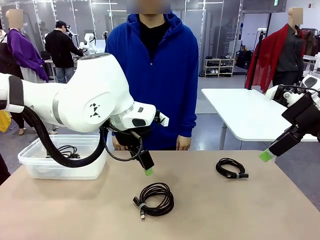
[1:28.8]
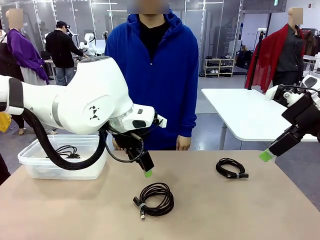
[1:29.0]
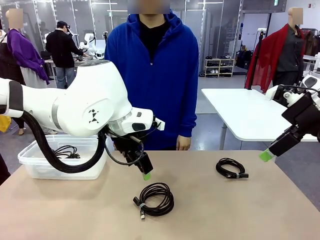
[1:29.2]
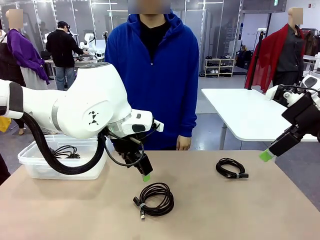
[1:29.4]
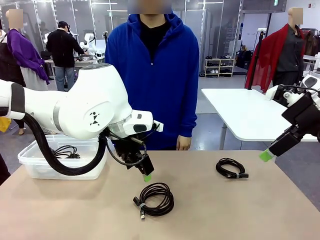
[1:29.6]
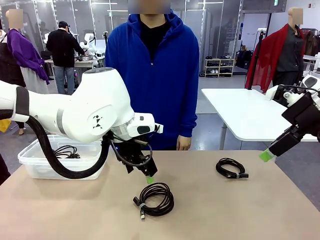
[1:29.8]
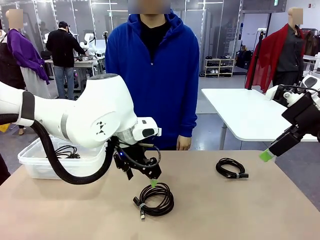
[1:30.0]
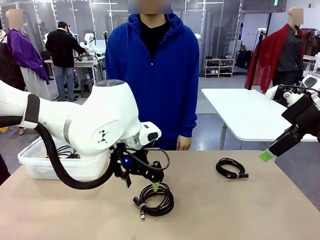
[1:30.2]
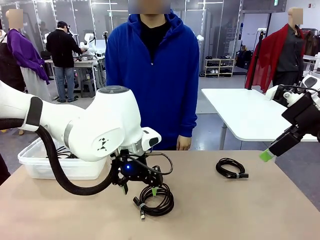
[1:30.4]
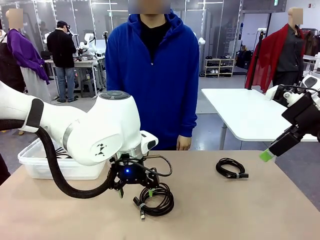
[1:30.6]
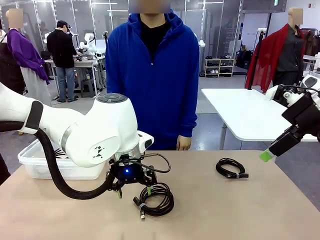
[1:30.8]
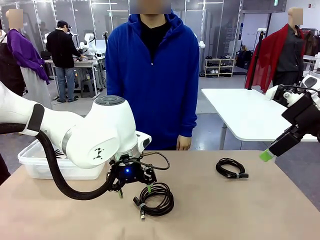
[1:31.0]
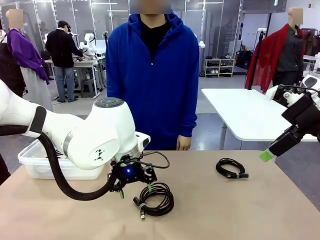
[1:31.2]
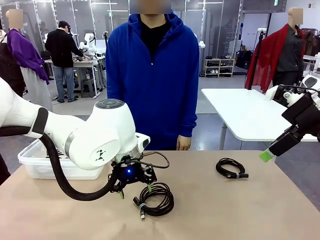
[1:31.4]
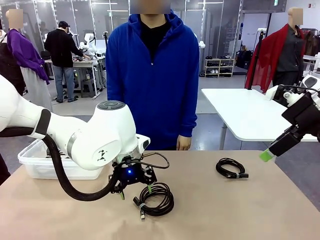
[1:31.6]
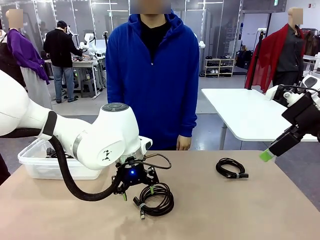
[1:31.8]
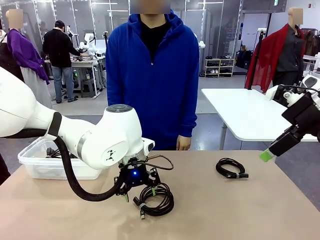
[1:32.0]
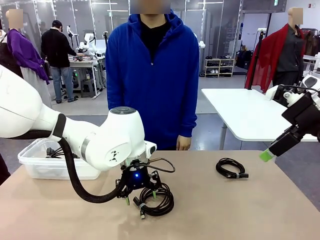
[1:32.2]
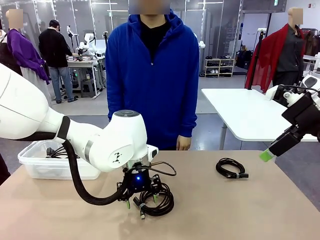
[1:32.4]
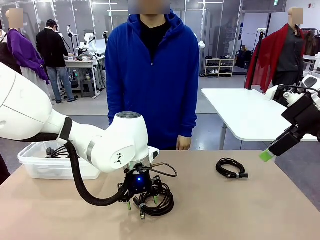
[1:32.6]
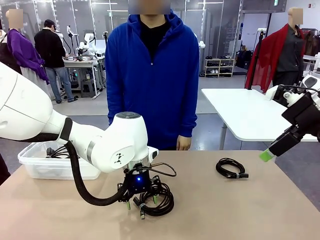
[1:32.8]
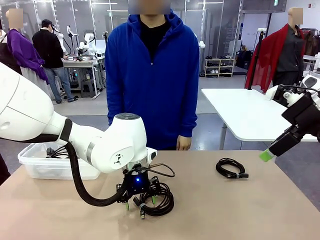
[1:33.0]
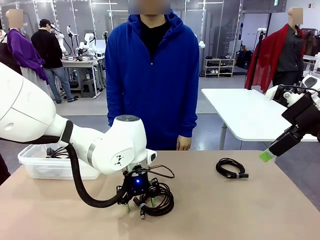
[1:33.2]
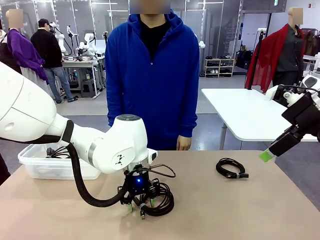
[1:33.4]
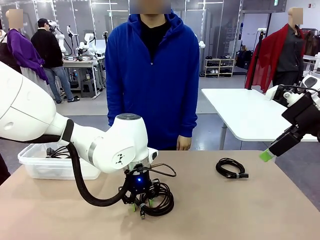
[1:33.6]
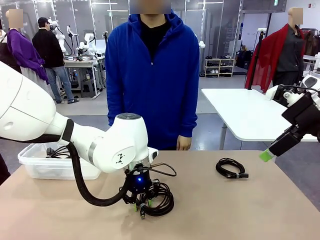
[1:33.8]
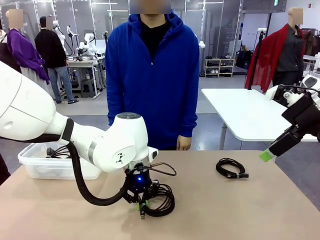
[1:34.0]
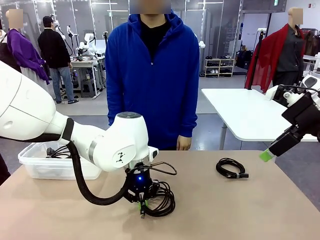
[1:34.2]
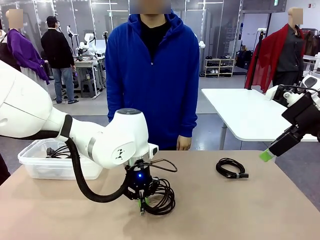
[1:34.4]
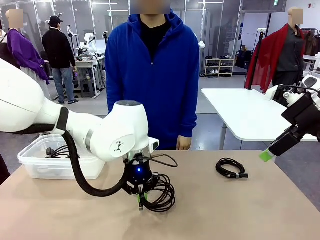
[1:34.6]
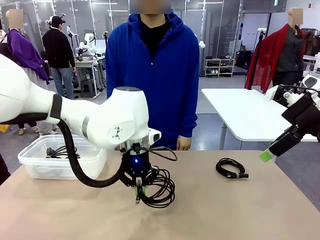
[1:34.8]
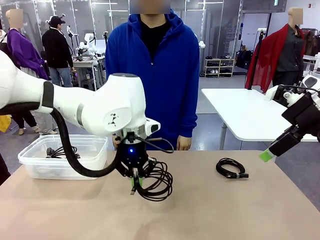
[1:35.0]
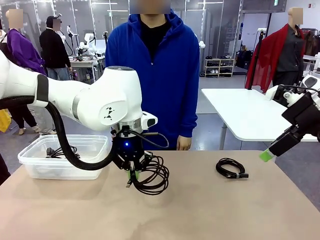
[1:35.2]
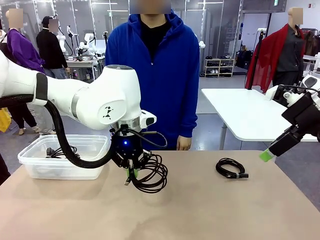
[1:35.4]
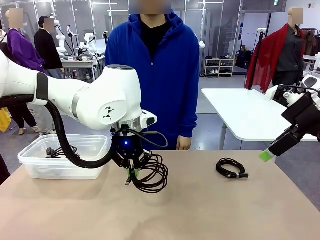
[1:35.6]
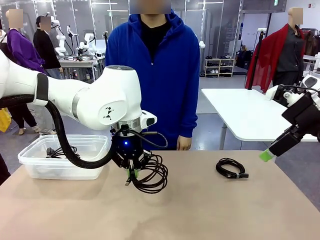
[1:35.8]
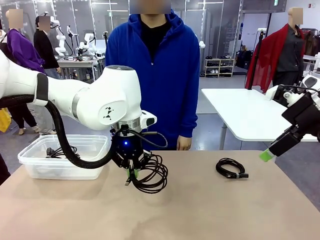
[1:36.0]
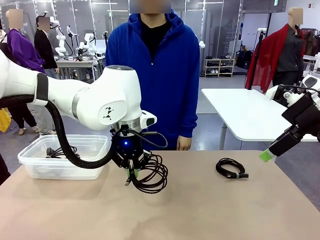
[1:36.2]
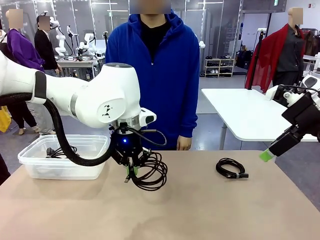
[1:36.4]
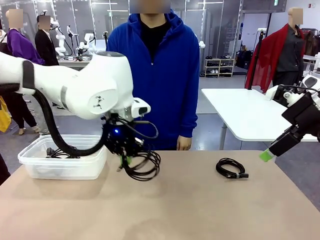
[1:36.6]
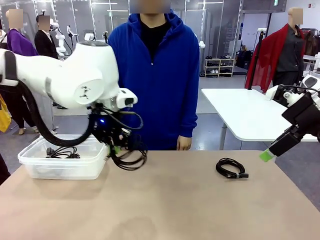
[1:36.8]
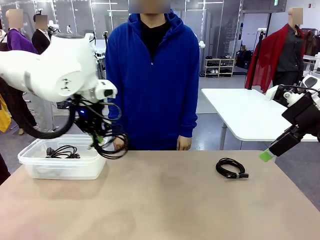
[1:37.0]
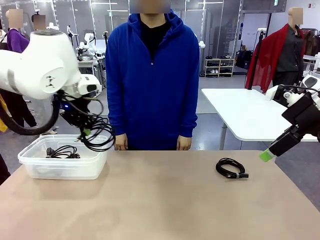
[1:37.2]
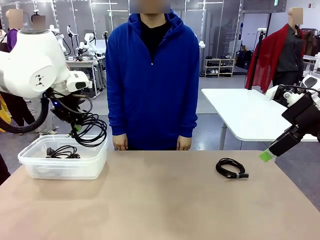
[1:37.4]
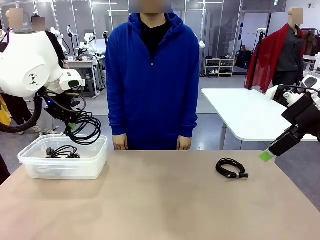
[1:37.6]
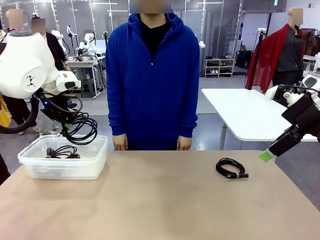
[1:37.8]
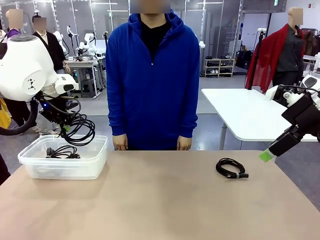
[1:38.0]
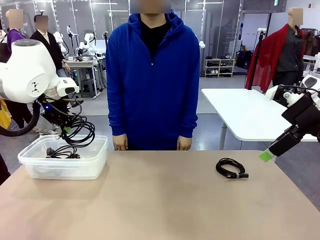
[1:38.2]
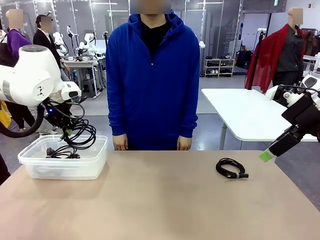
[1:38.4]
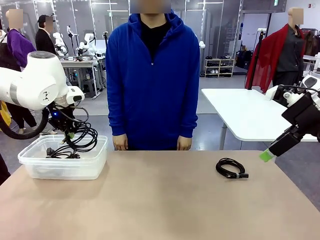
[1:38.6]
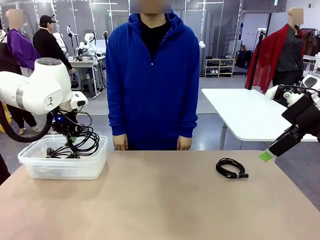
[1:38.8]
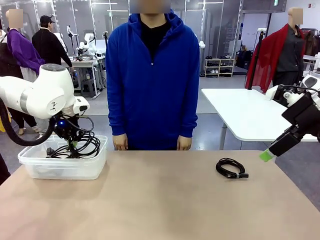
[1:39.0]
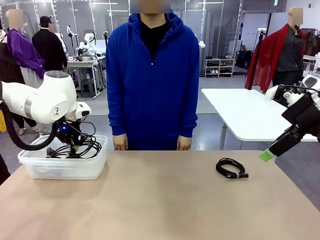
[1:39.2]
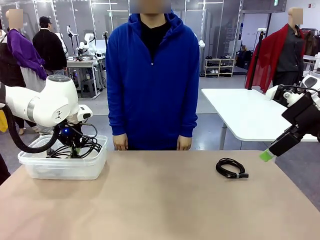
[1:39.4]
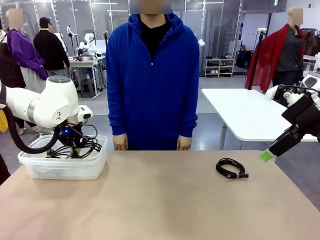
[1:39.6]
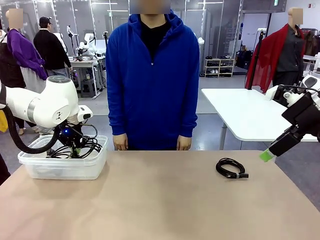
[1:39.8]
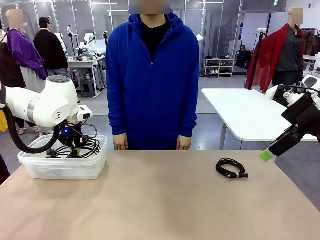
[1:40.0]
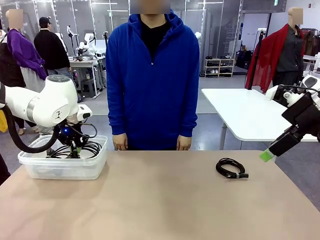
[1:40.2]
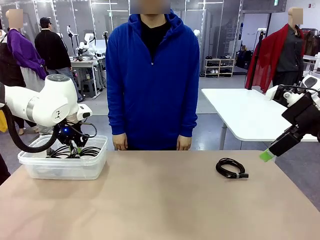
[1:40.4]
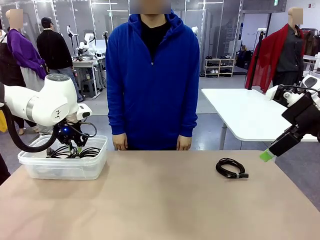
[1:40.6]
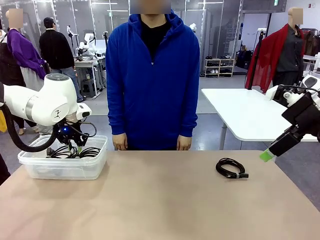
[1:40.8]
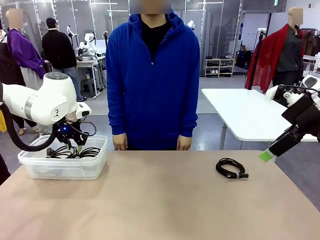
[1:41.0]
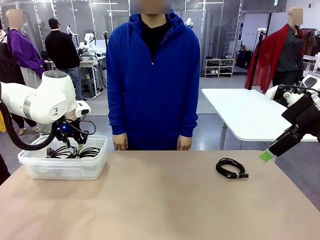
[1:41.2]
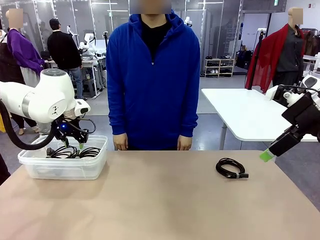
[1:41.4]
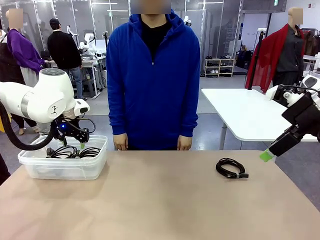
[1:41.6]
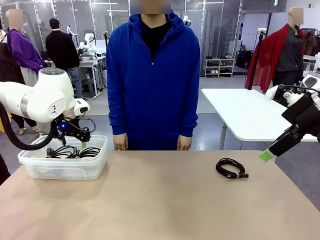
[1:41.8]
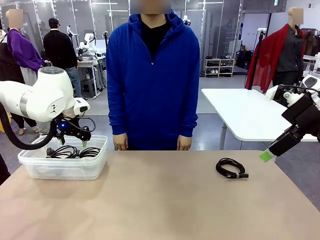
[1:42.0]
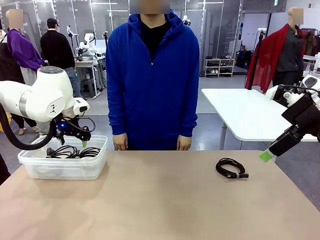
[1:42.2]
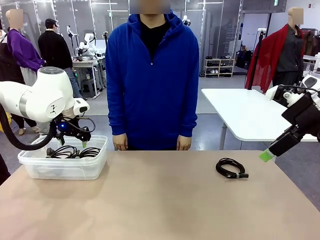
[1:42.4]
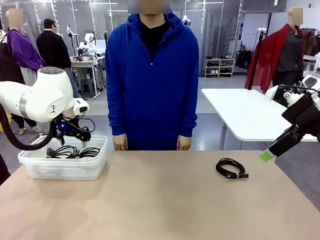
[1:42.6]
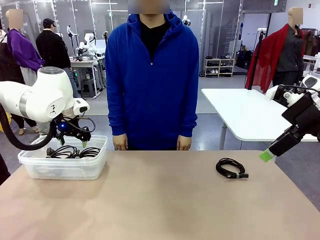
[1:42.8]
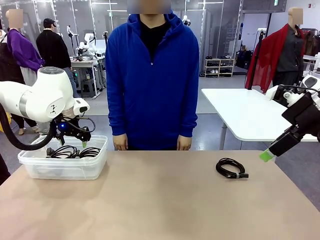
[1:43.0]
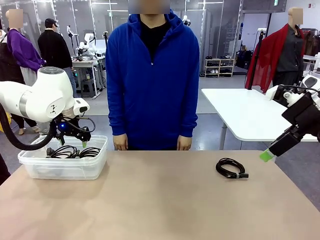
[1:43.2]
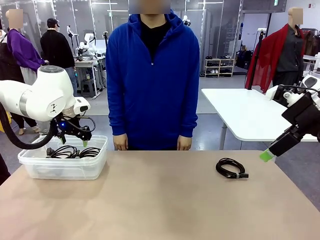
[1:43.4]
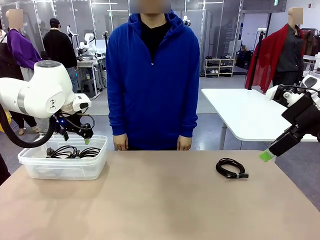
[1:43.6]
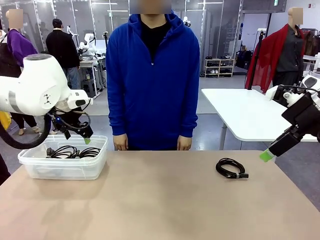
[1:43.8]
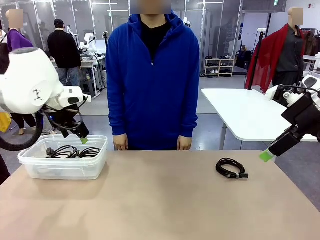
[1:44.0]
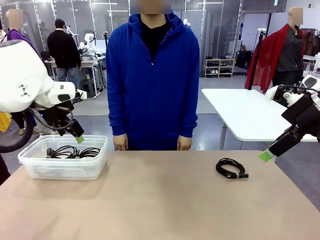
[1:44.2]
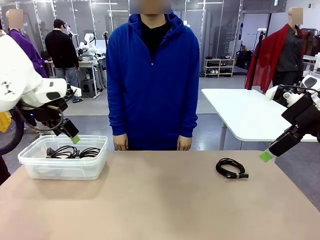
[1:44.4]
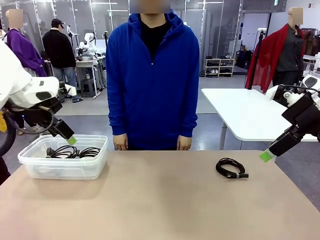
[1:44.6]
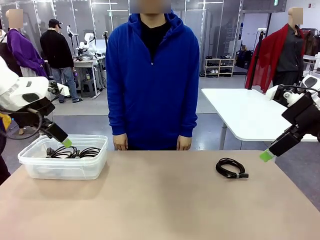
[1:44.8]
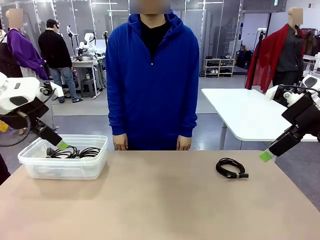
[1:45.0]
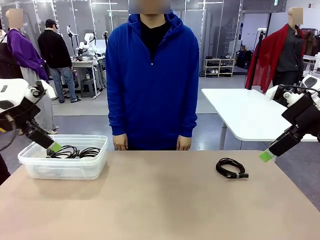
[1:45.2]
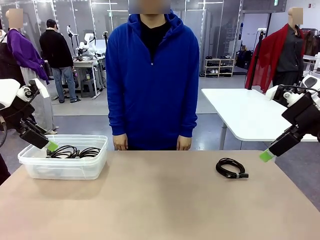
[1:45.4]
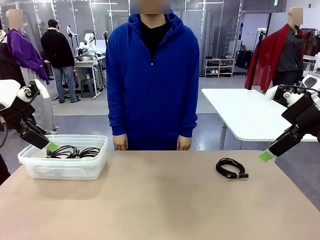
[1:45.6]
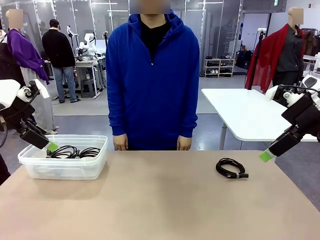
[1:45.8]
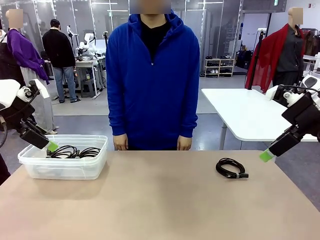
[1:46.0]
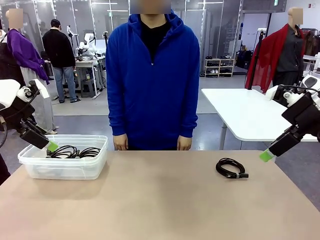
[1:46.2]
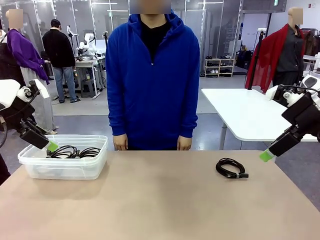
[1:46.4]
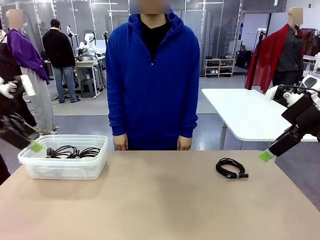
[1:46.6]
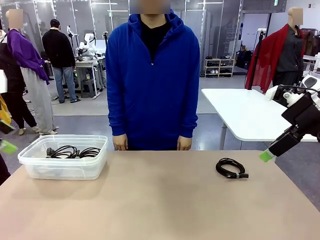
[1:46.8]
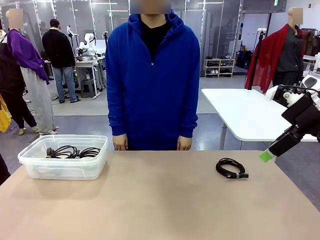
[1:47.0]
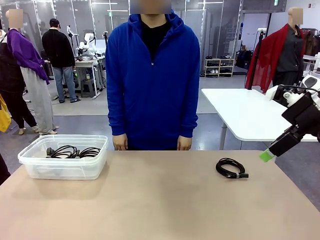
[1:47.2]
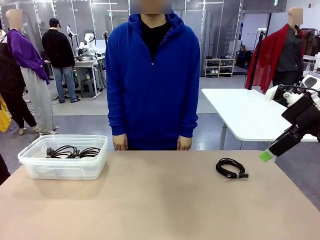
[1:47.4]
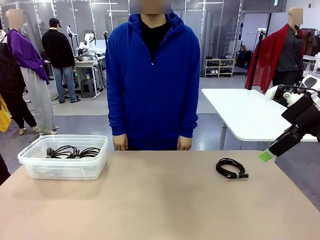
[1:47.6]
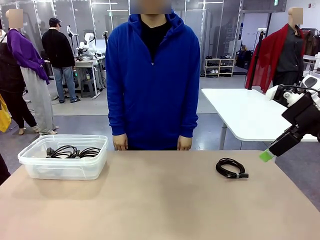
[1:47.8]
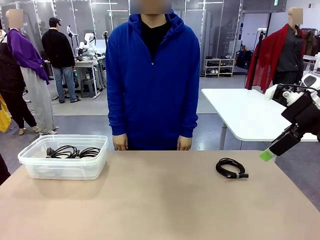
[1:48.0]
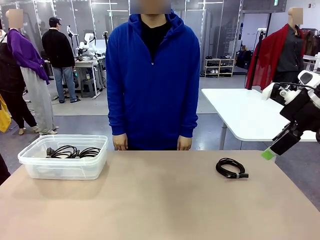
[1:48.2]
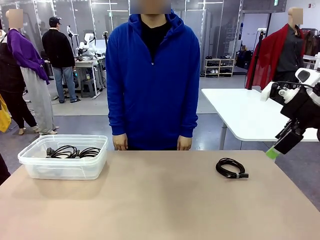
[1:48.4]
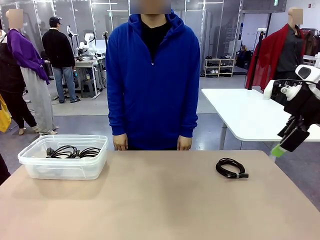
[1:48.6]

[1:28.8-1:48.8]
Task: Organize and store the cables.
Robot: Place the USB Extension Cable into the Organizing box.
